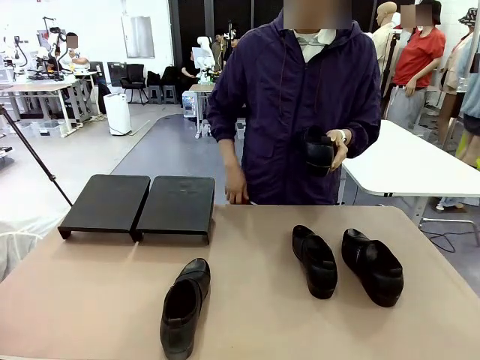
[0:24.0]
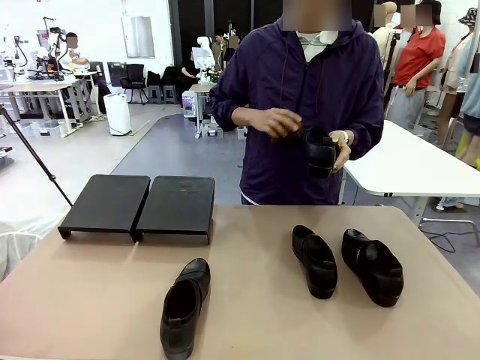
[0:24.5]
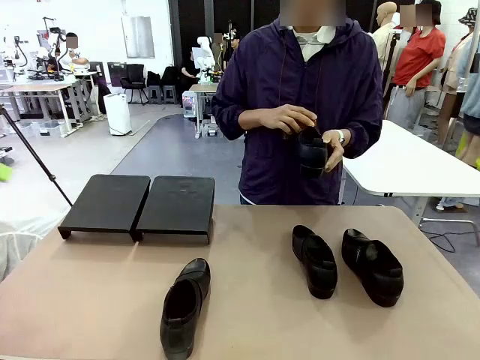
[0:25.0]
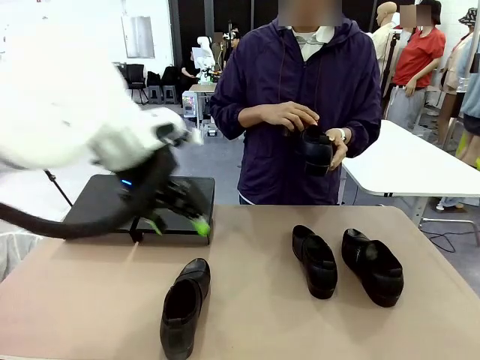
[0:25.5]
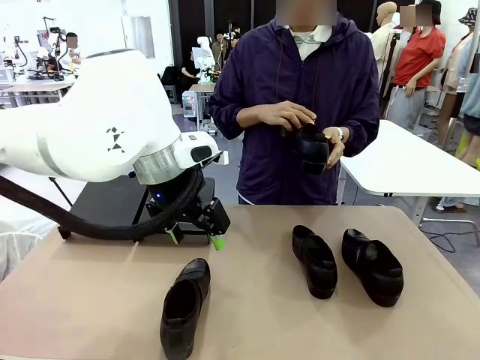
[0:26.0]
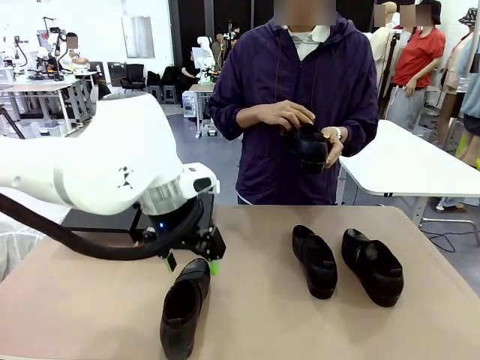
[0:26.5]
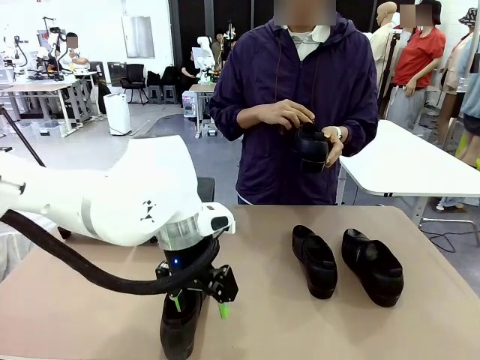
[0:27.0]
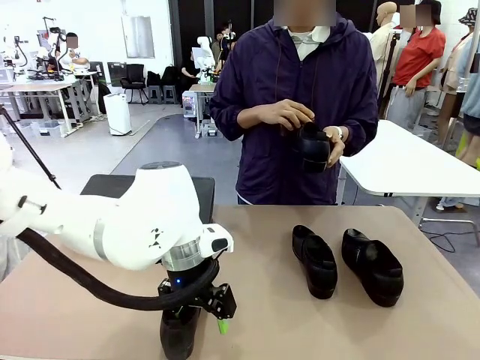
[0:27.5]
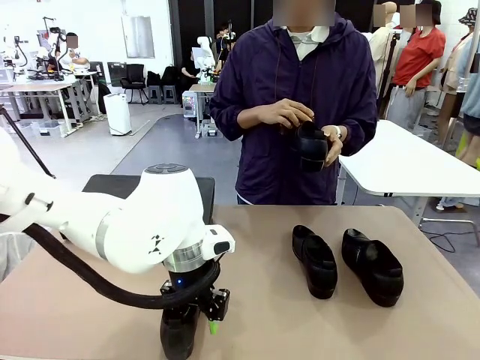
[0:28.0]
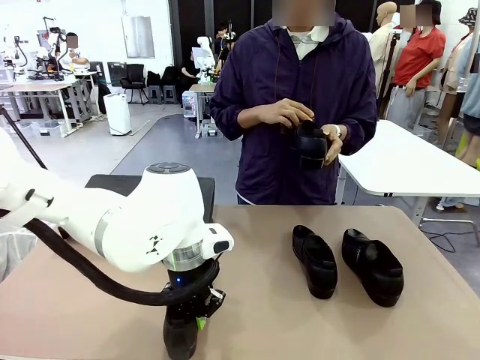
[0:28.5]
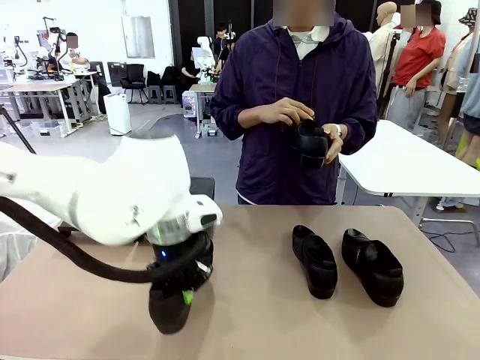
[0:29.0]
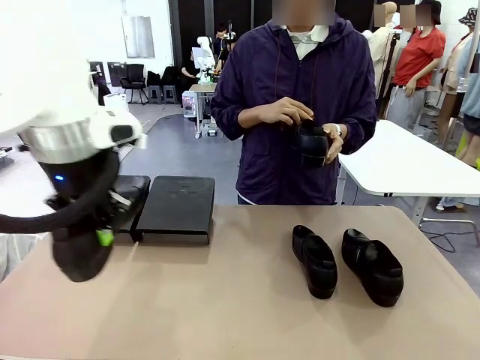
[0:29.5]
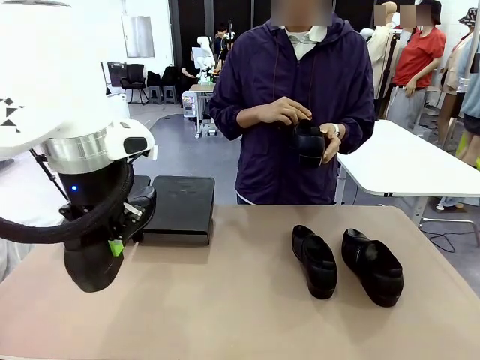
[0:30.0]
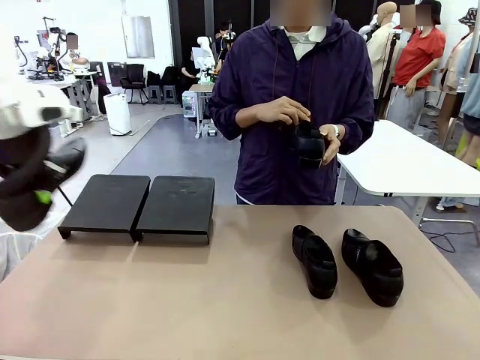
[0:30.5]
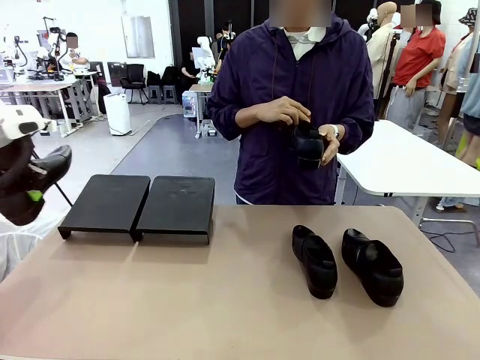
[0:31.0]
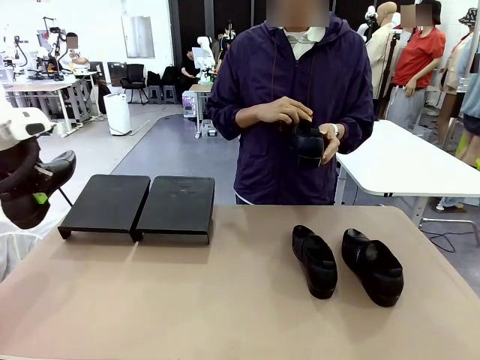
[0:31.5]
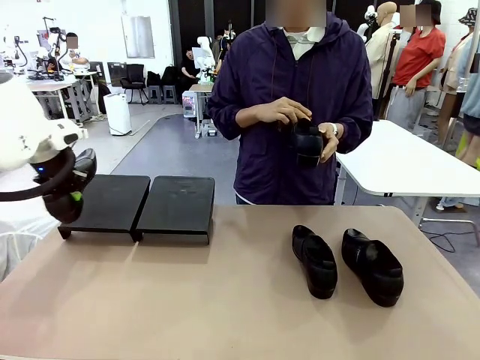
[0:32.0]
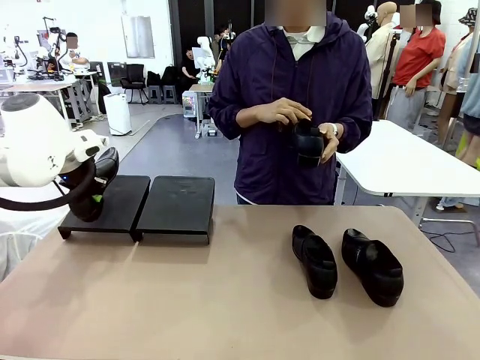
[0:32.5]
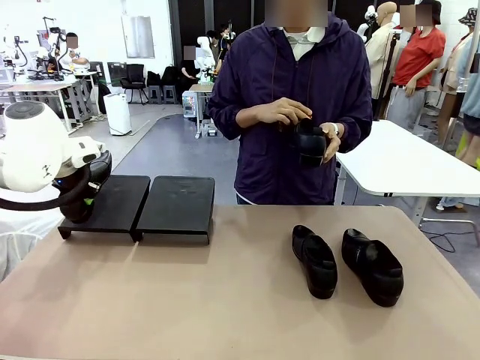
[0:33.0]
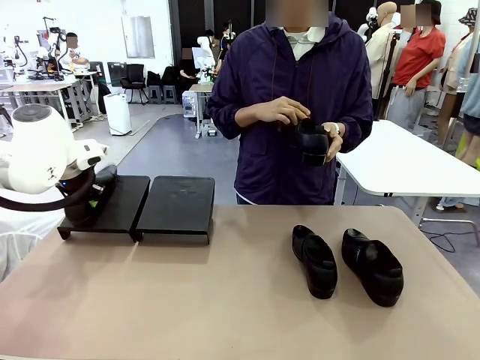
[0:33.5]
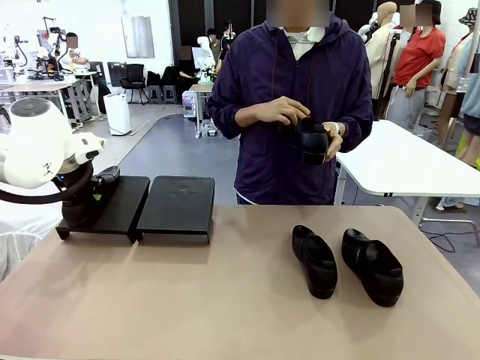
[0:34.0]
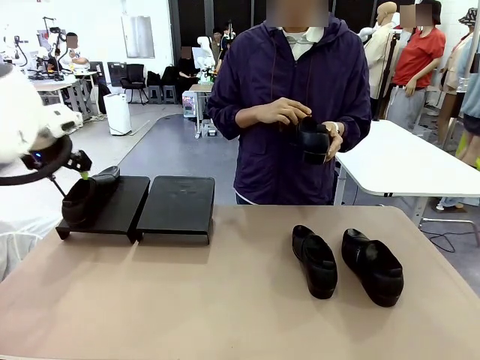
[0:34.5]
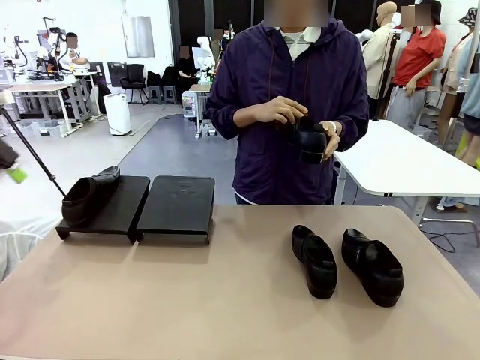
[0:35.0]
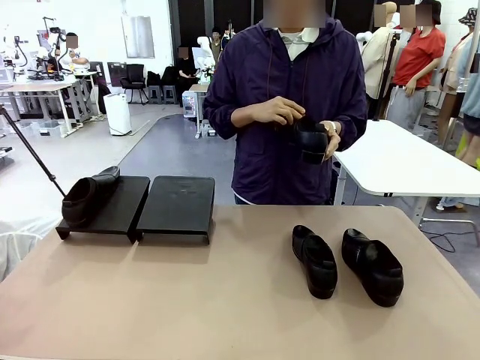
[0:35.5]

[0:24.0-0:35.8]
Task: Organize the shoes by placing them on the stand.
Robot: Place the Shoe from the middle of the table onto the Shoes Stand.
Person: Clean the Shoe with the Shoe Brush.

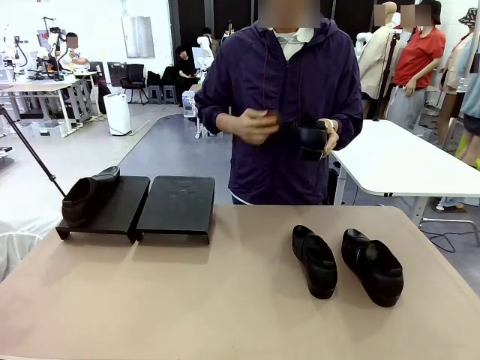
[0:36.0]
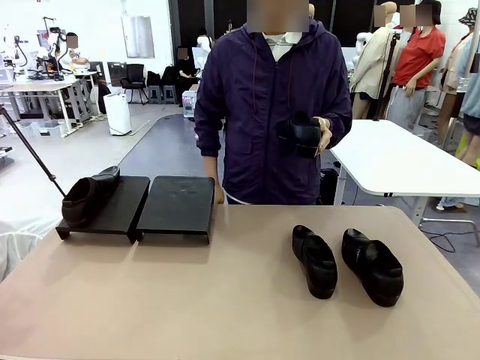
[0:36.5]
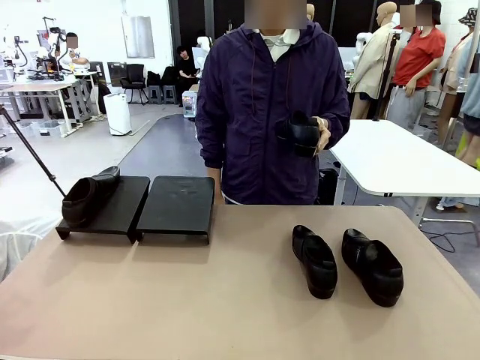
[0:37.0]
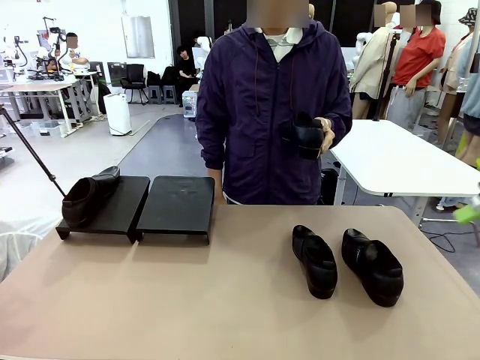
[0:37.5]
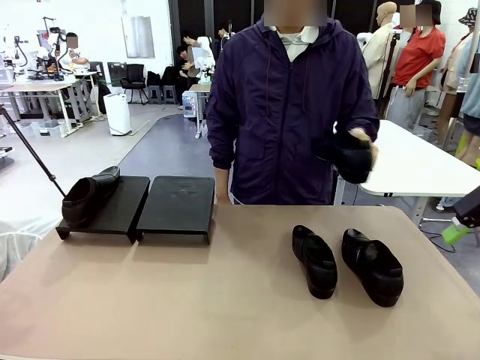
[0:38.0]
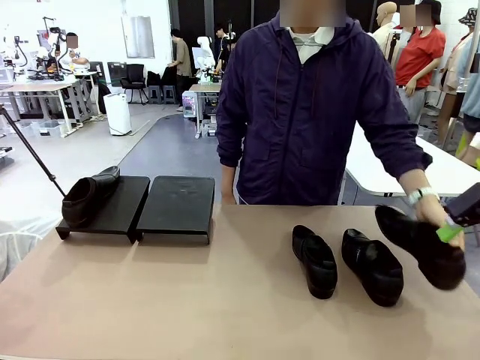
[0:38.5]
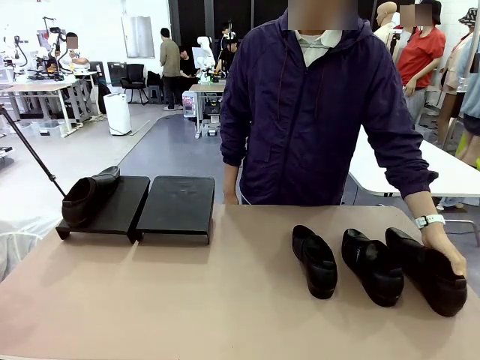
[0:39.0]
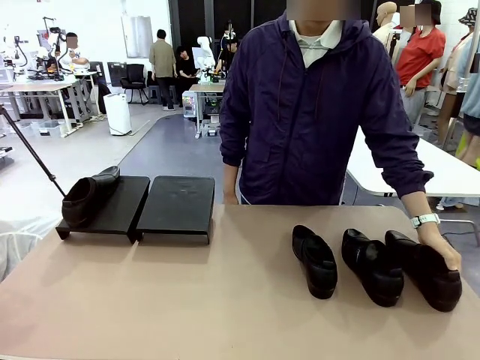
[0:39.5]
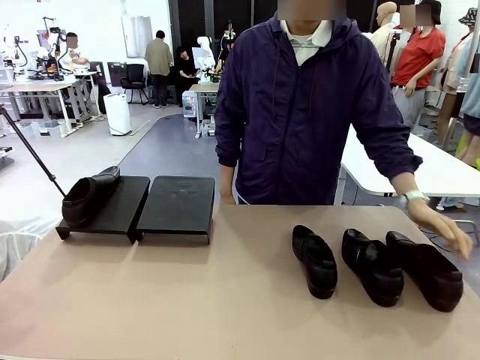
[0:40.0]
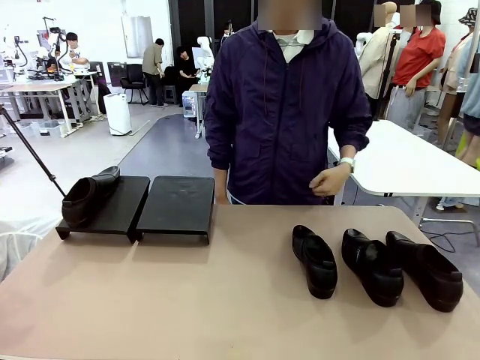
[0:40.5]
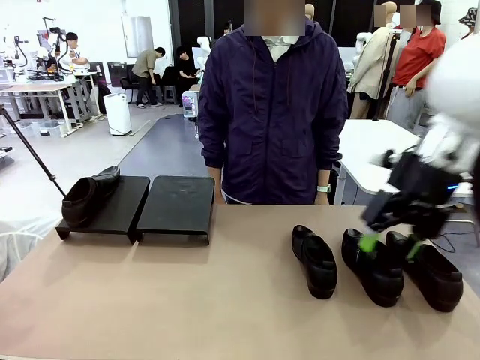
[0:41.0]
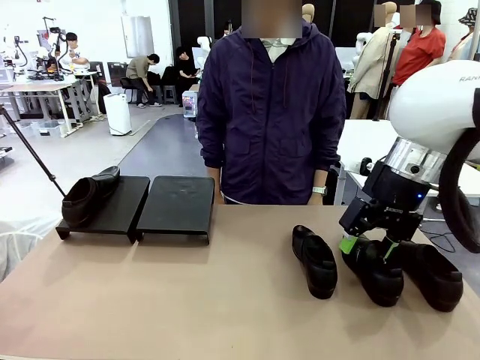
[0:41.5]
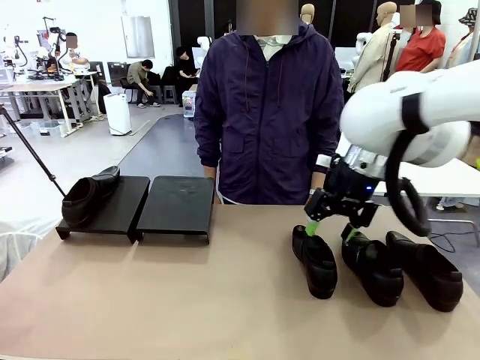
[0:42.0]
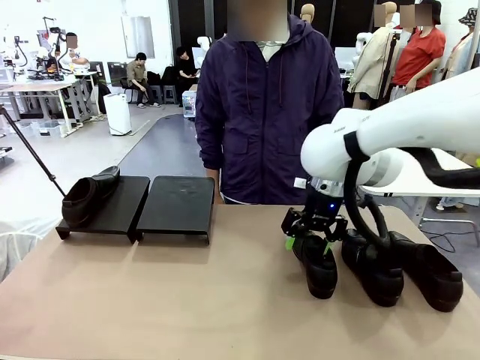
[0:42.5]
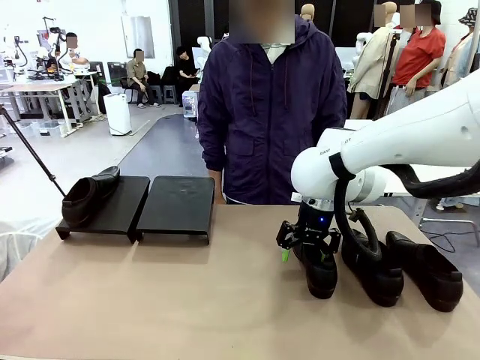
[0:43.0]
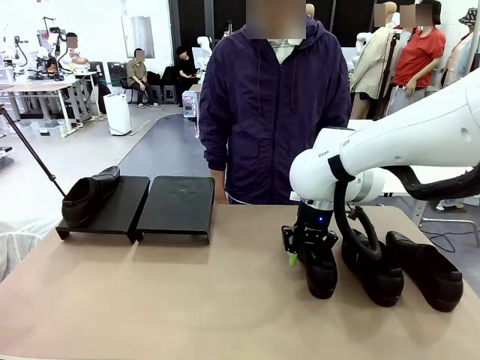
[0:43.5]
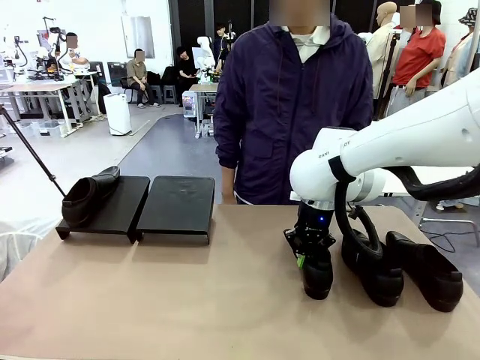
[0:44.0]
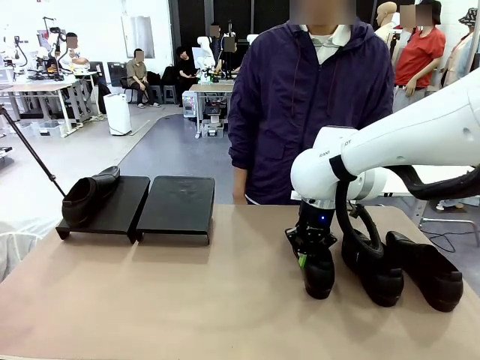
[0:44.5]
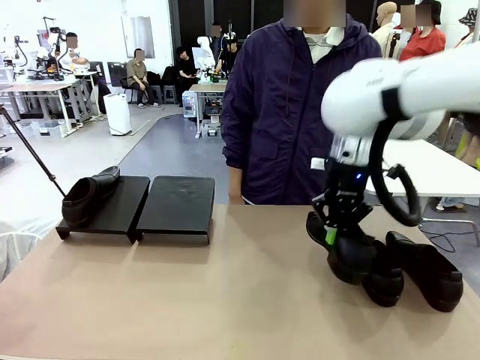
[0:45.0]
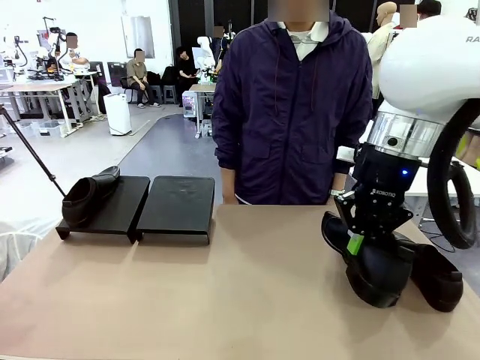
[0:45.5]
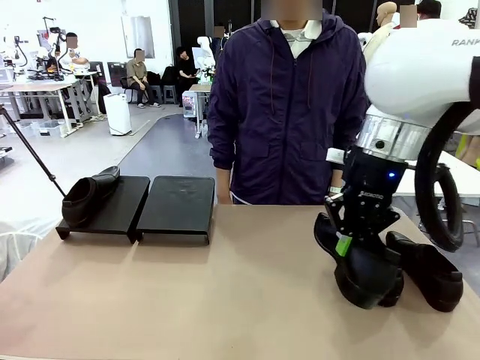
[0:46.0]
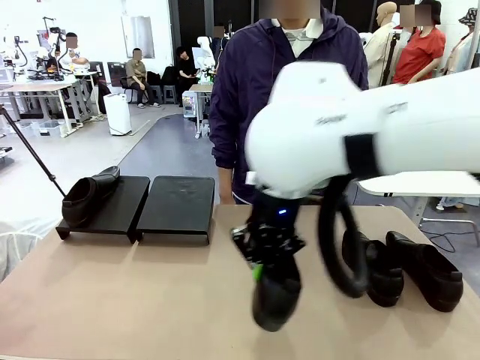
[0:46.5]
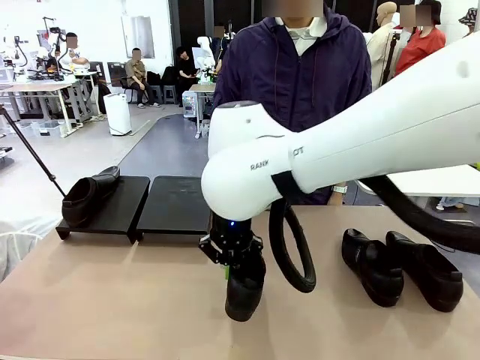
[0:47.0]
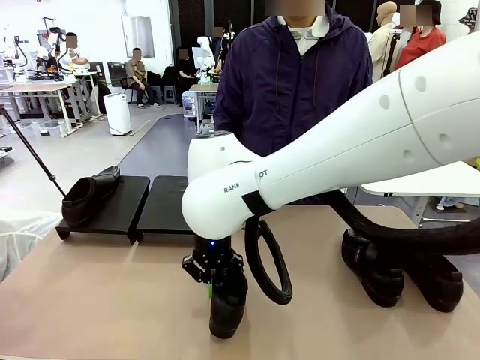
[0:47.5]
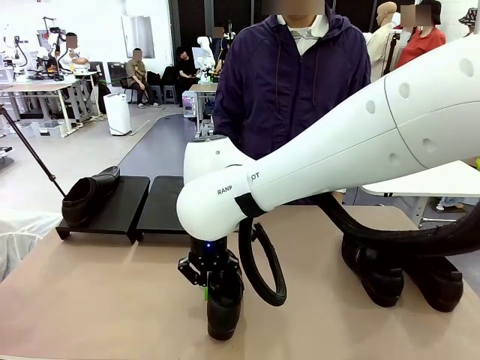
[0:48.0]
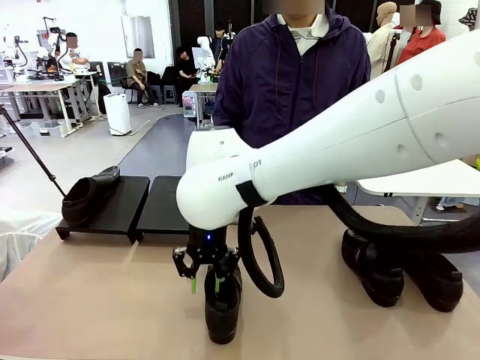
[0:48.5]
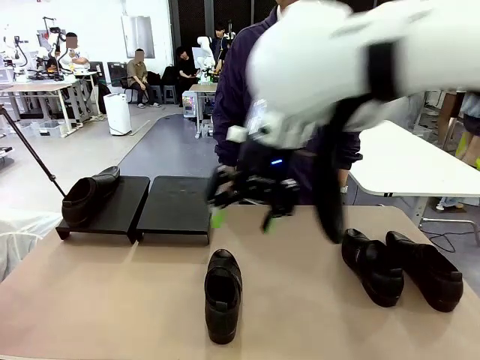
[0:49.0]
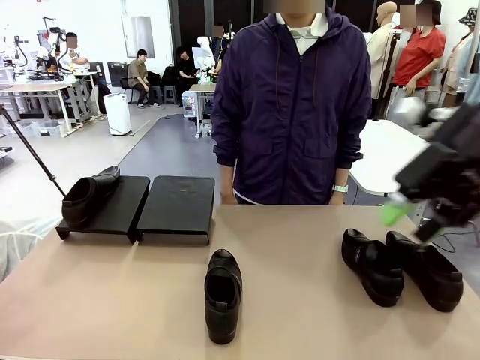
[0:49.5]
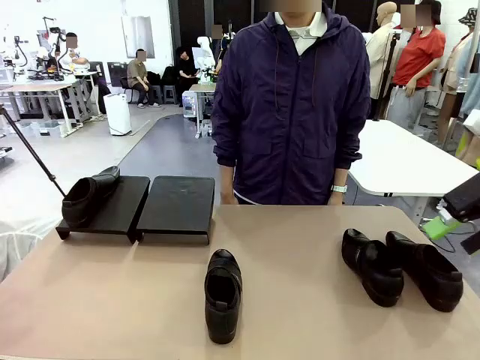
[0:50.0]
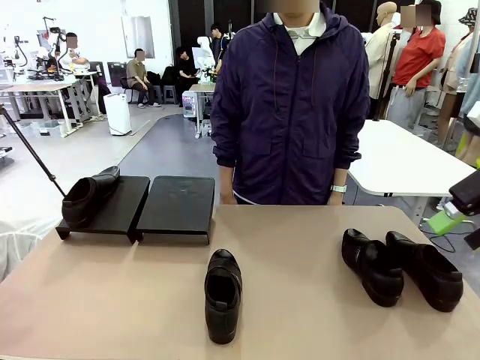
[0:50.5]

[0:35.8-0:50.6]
Robot: Pick up one Shoe and place it in the middle of the table.
